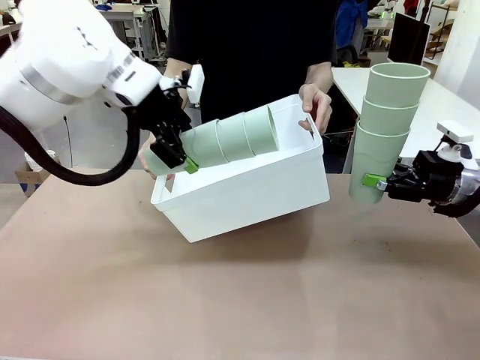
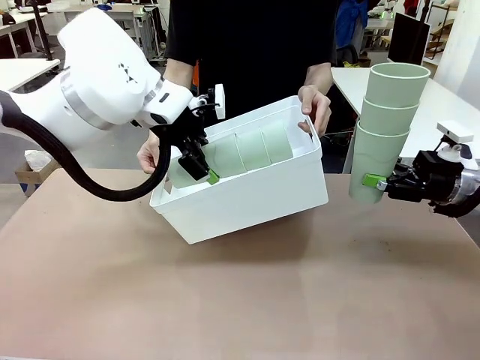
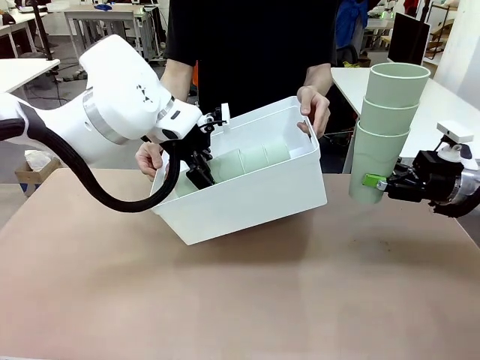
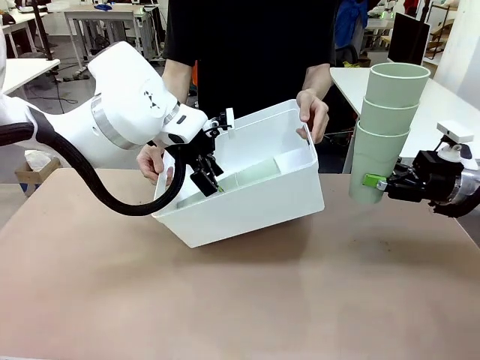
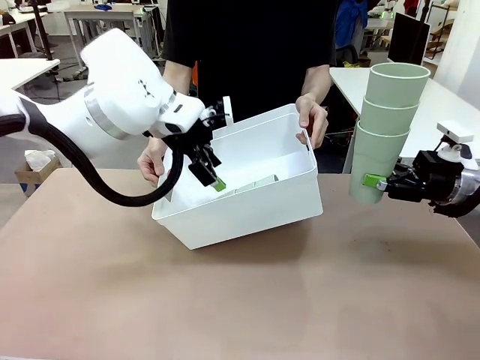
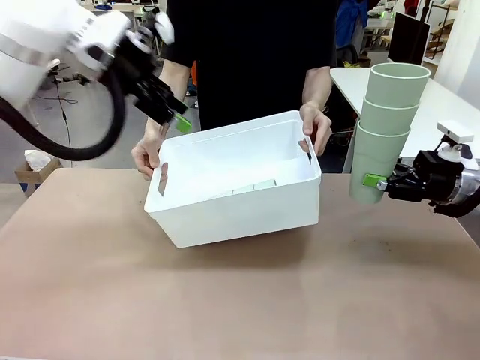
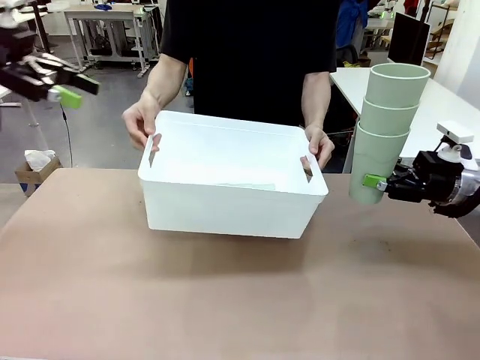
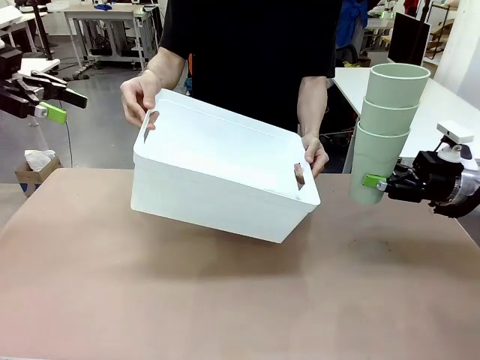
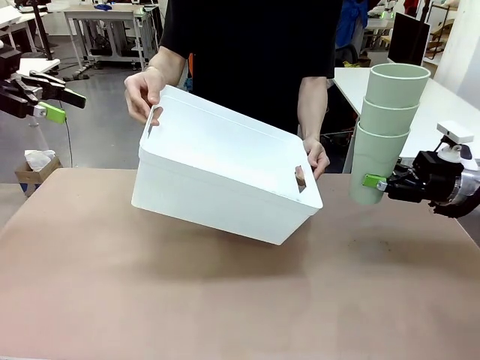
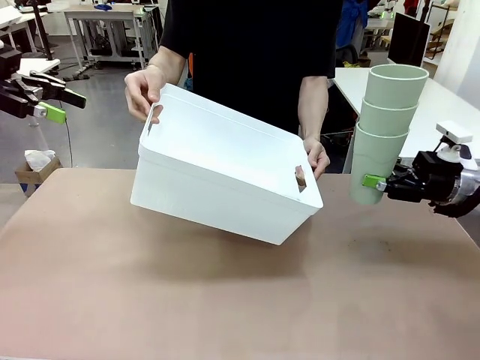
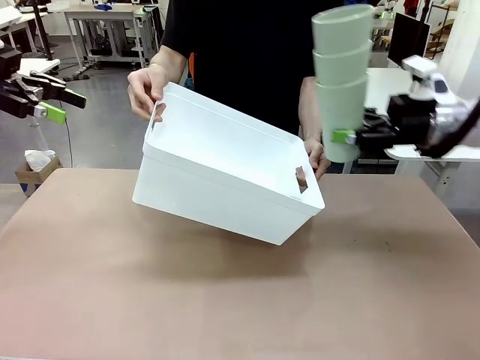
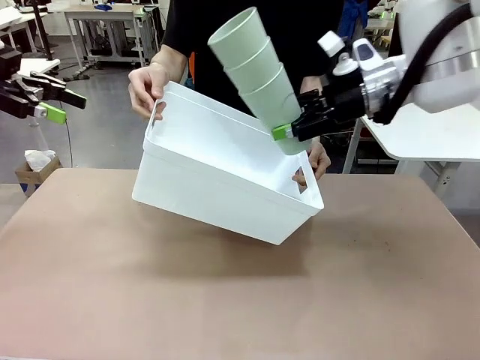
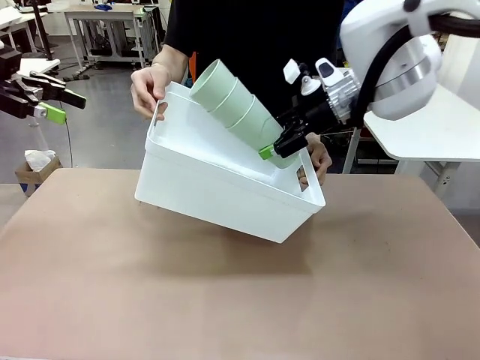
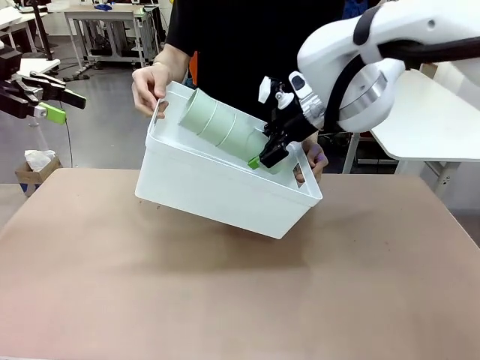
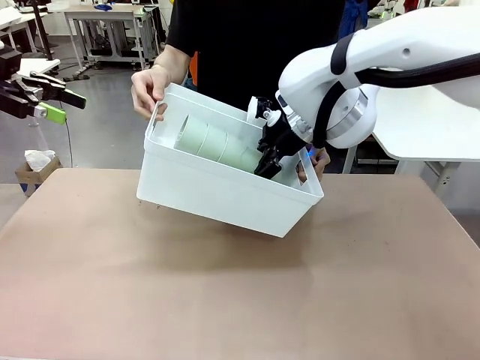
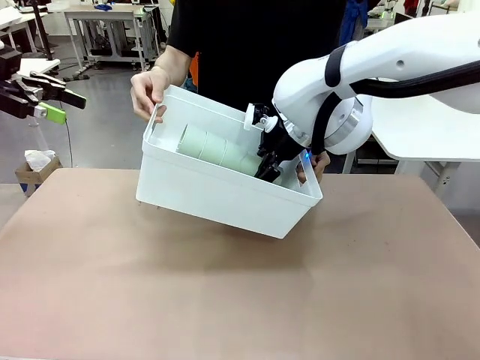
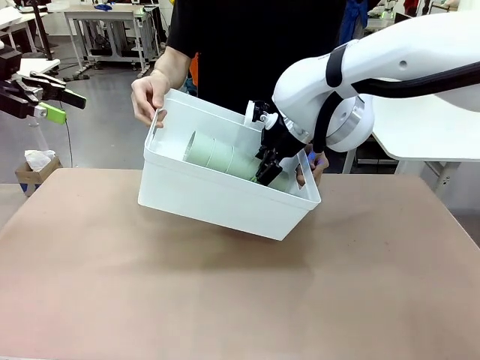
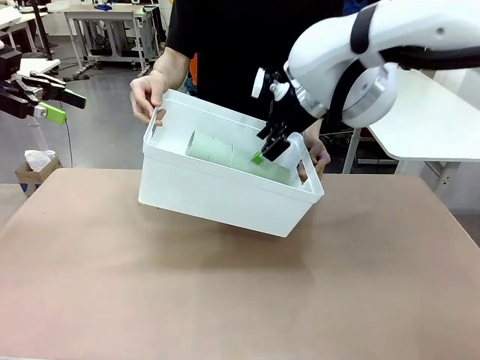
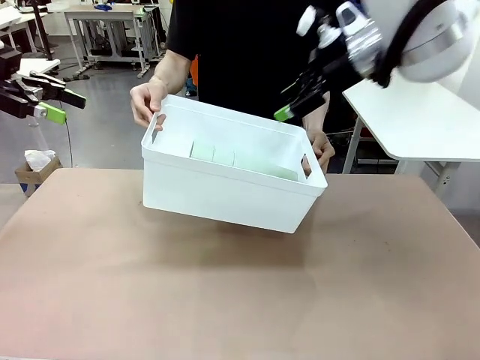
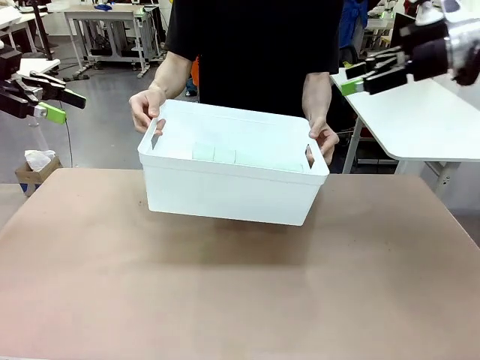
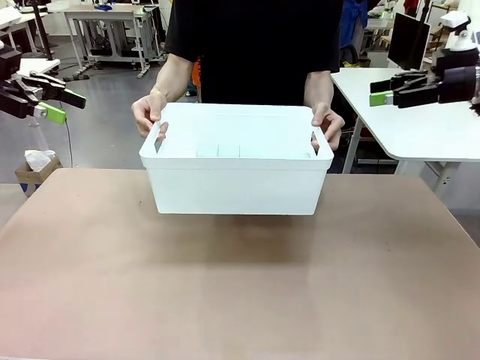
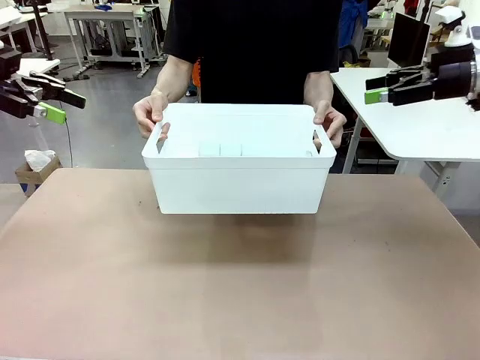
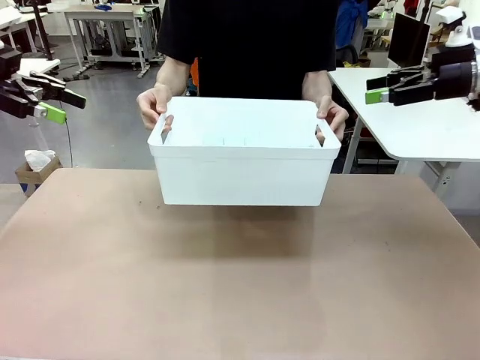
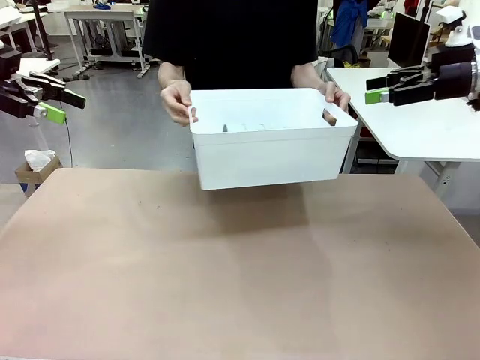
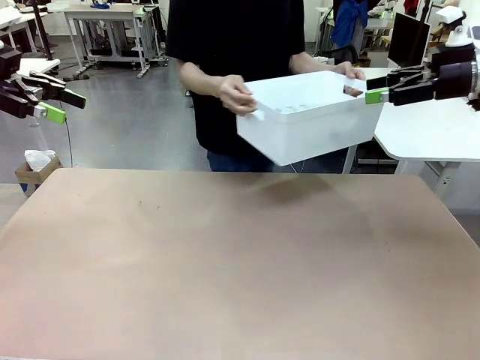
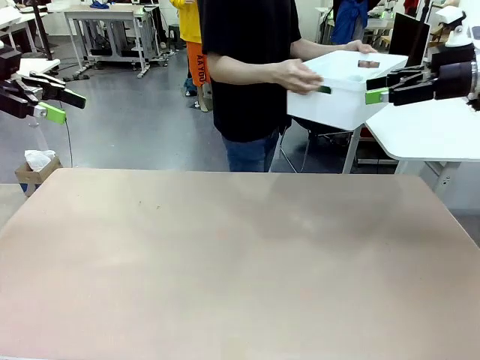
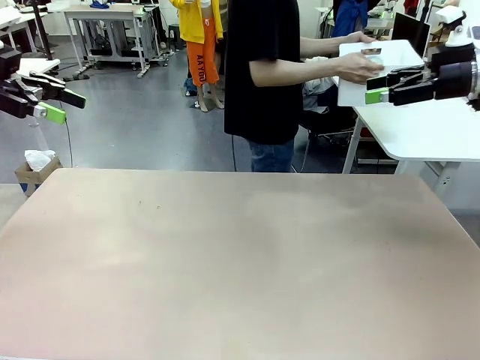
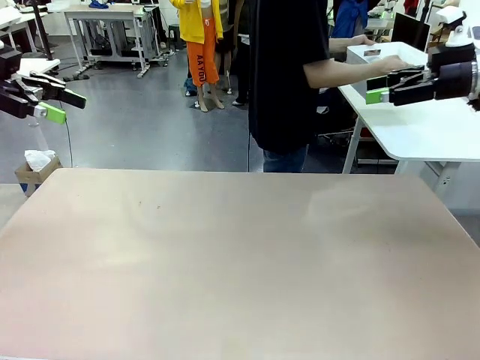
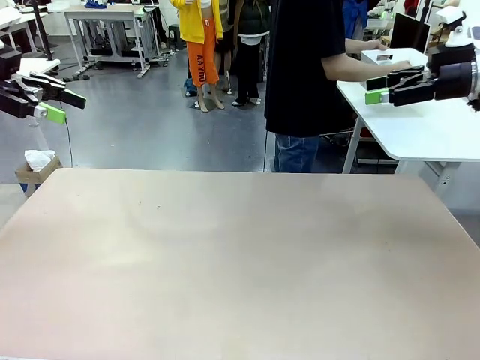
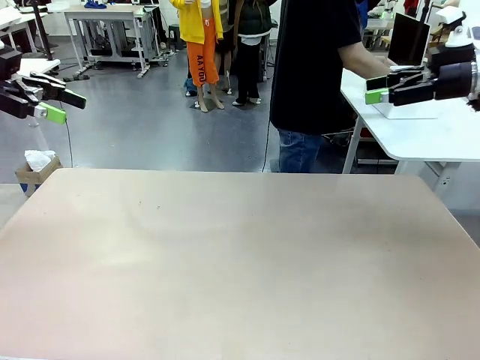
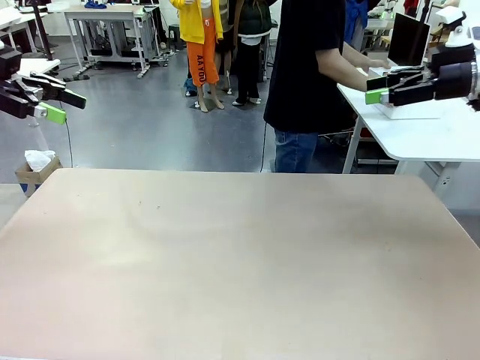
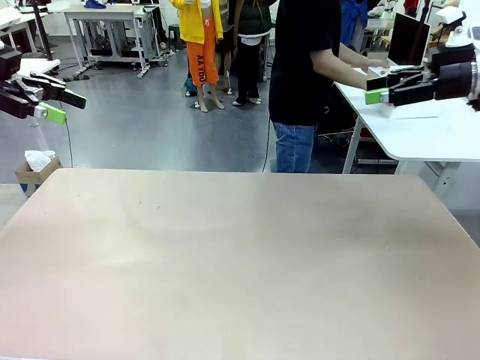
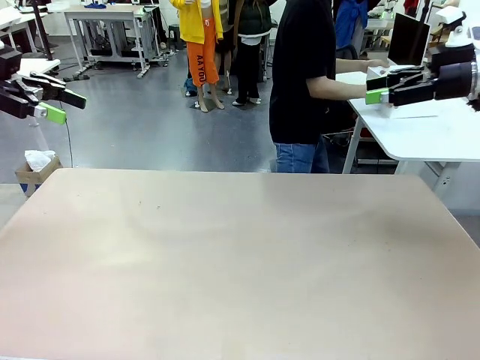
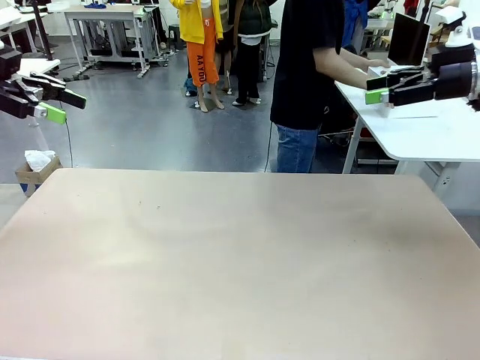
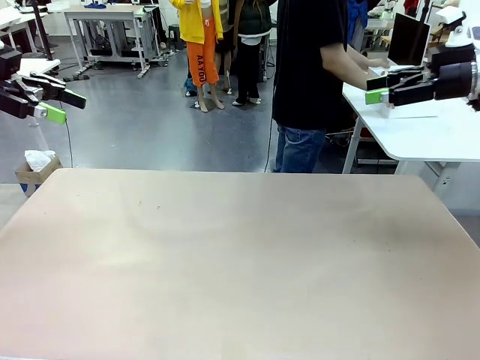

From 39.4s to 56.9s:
Task: Stack the cups and store them in the basket.
Robot: Place the stack of Reusable plastic cups into the Pantry Basket.
Person: Place the basket containing the cups in the middle of the Human Table.
